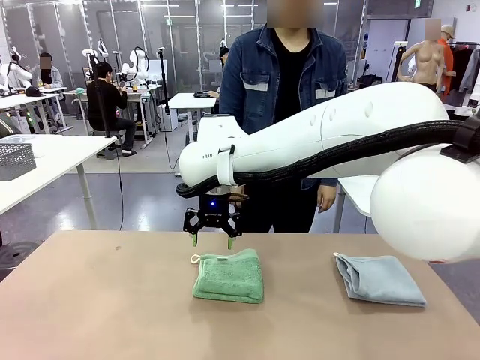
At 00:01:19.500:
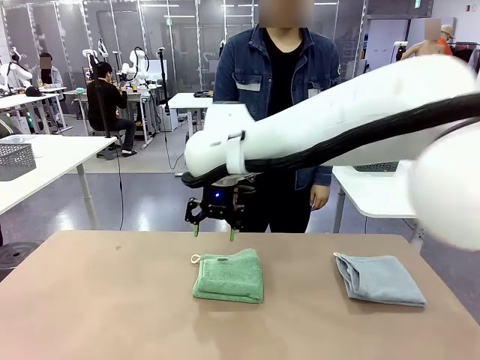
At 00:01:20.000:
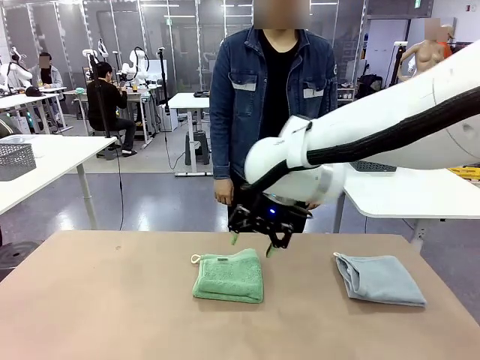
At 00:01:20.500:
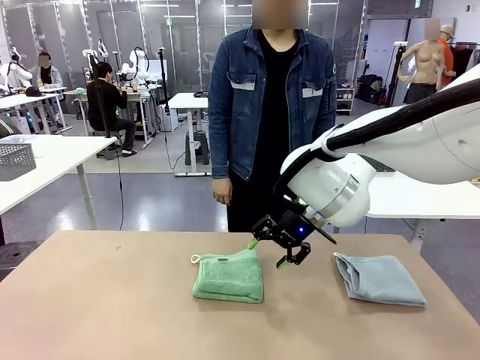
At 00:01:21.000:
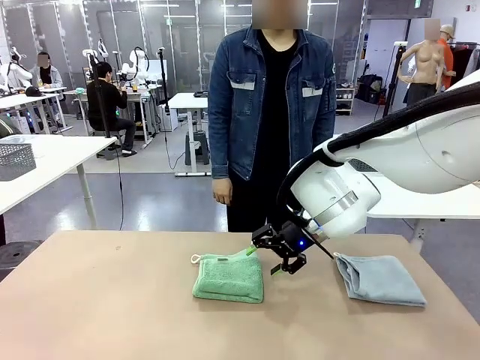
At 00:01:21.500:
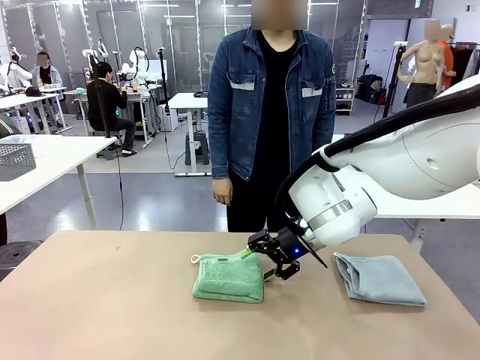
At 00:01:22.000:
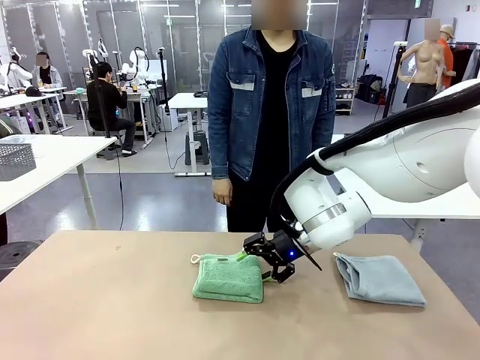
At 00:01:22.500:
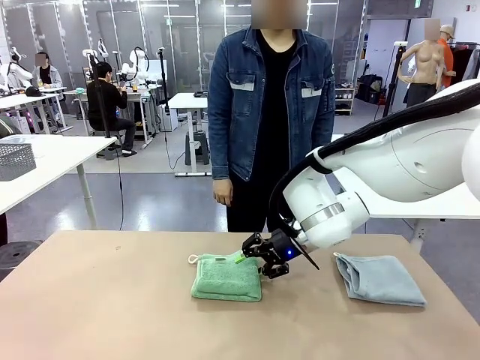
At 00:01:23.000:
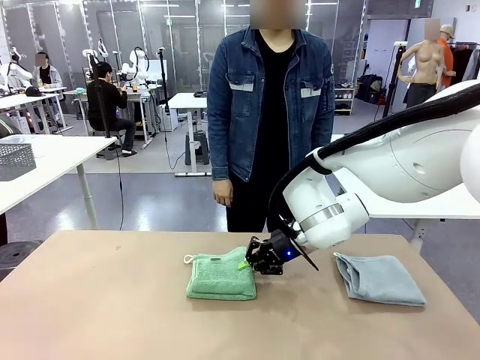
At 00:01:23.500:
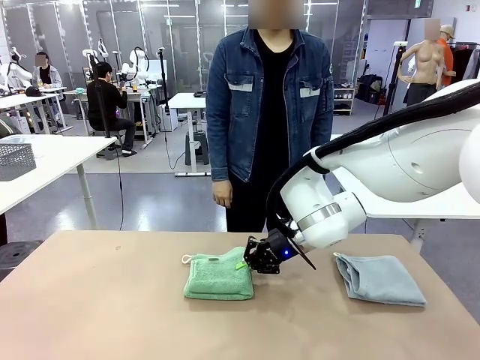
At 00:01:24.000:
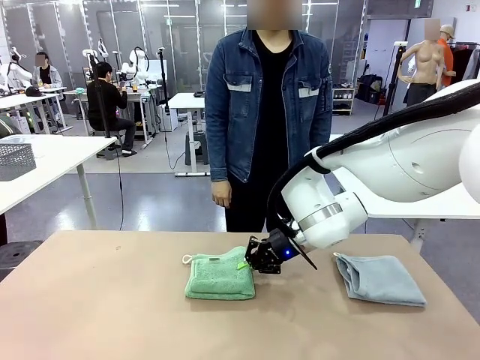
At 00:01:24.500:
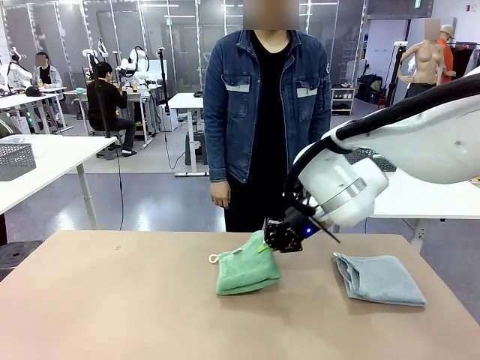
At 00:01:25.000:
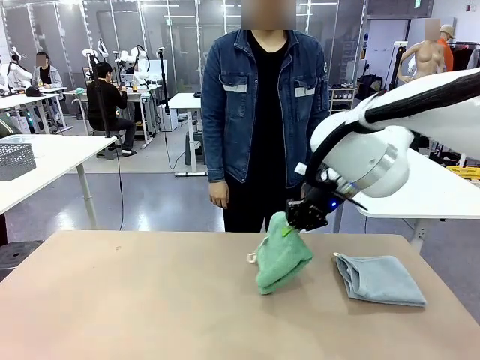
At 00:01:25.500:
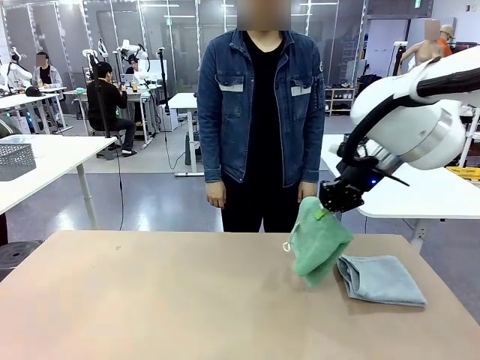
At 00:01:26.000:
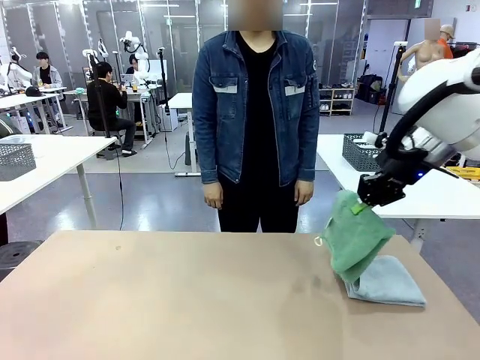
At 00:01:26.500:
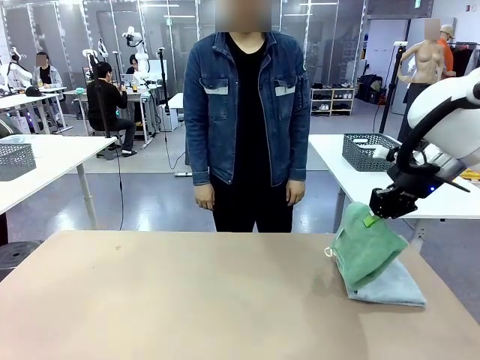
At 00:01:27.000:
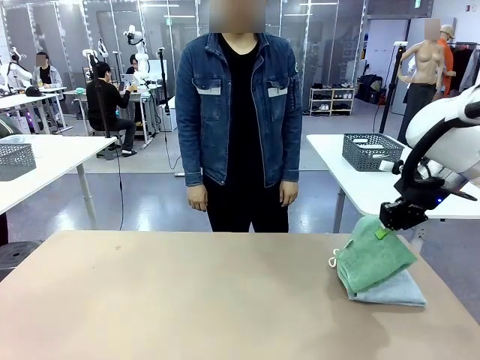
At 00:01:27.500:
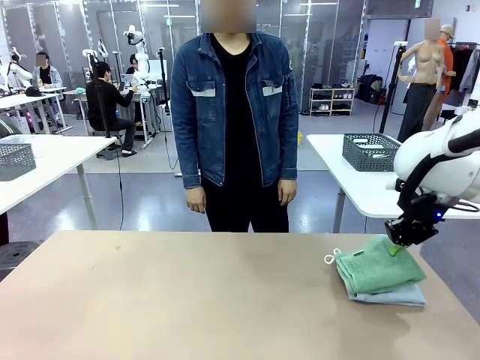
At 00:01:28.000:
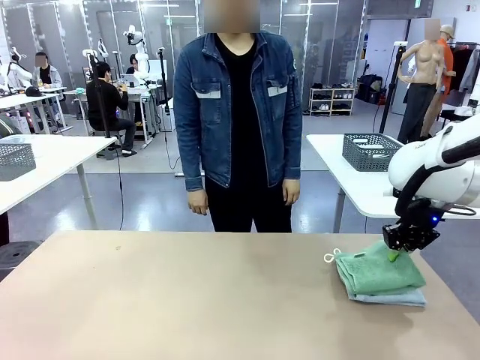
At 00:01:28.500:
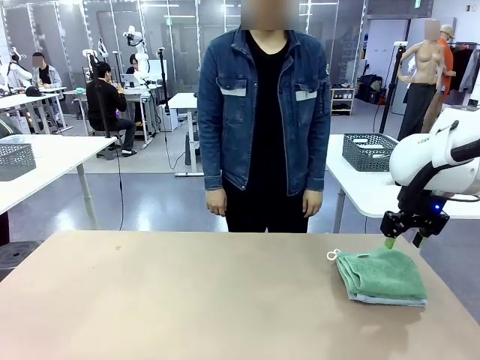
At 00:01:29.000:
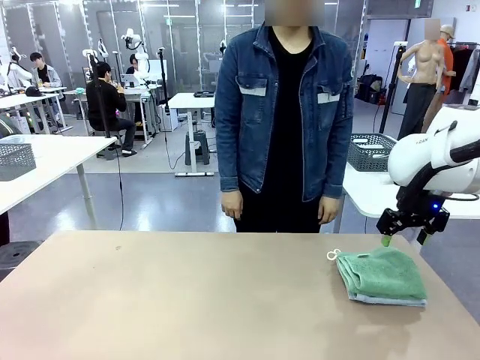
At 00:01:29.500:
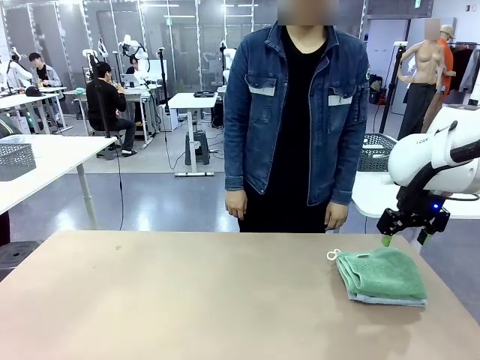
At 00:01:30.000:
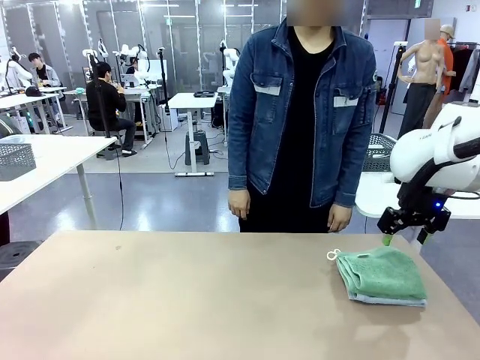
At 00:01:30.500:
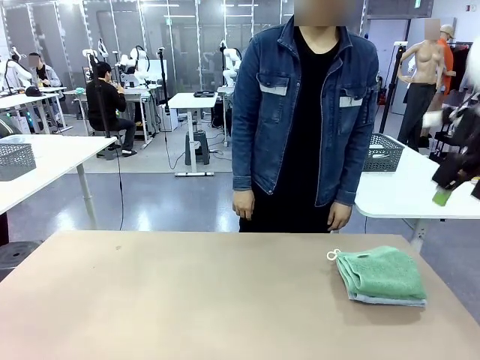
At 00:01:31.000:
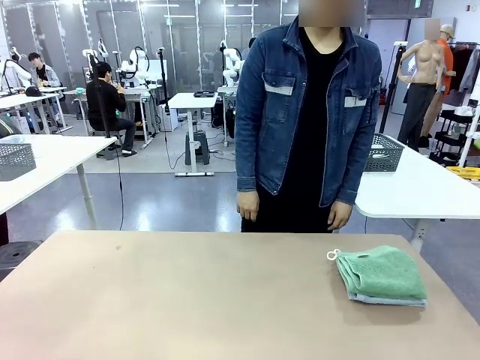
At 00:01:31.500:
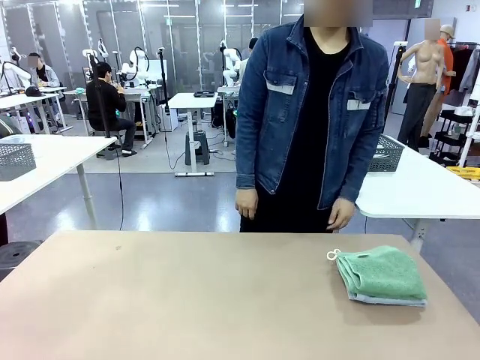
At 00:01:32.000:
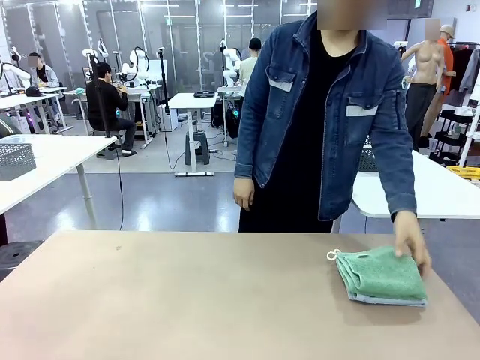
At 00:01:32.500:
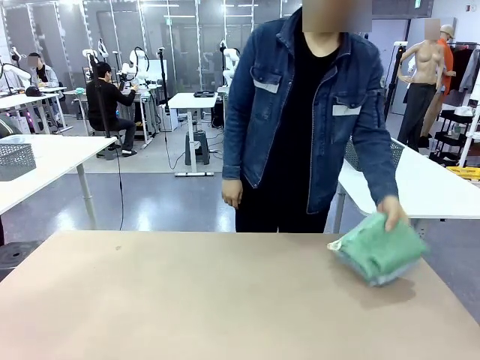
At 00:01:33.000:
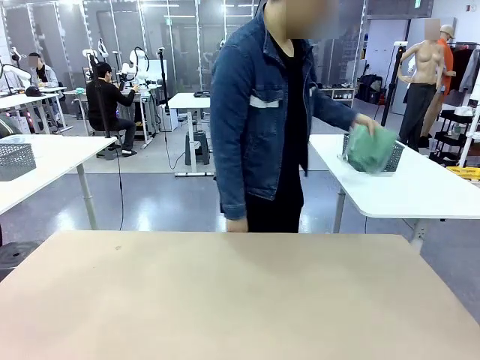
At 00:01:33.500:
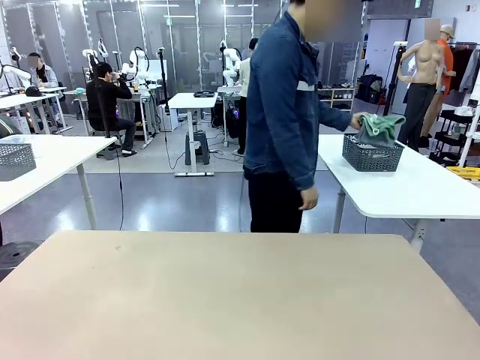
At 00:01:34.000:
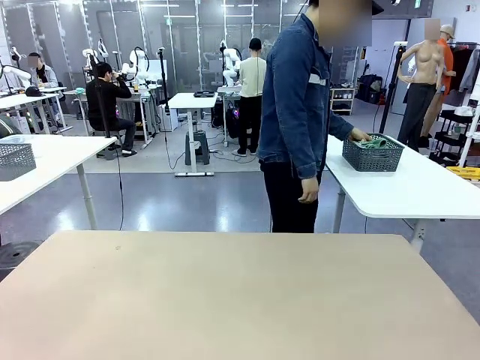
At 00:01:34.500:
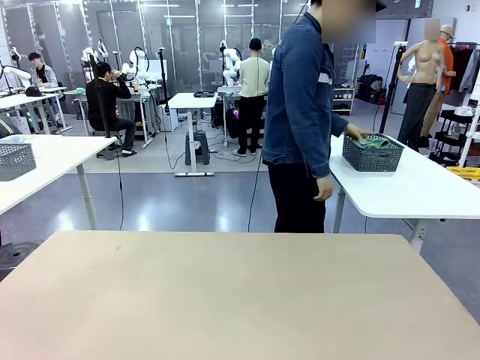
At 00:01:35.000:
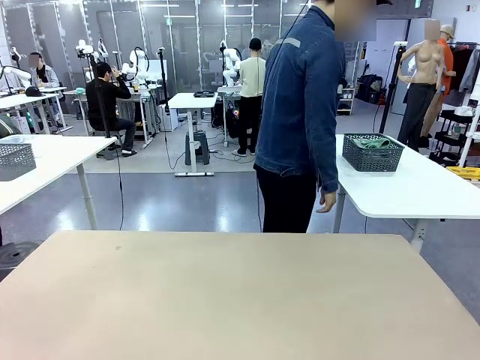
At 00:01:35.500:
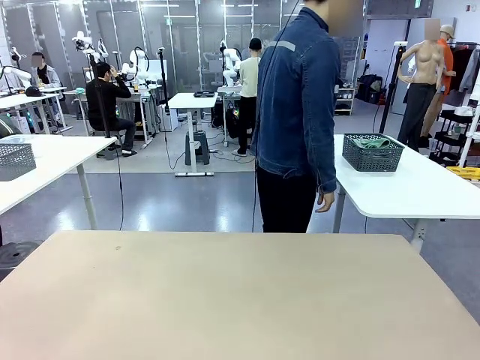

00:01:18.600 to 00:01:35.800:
Task: Fold the towels and place them in the basket.
Robot: Stack the folded Towel with hook on the right side of the table.
Person: Pick up the stack of towels from the robot table and place it into the basket.
